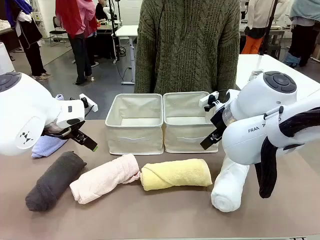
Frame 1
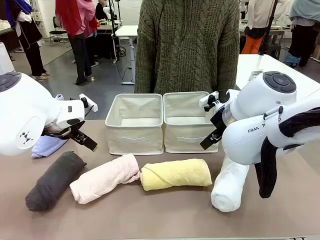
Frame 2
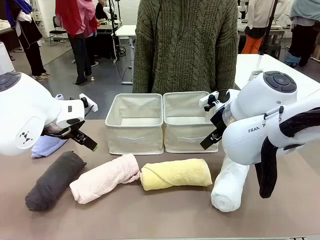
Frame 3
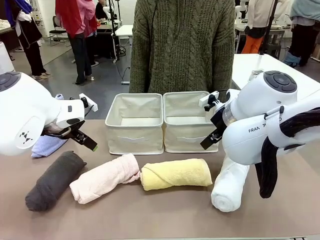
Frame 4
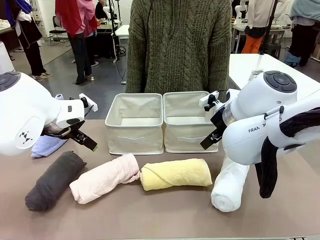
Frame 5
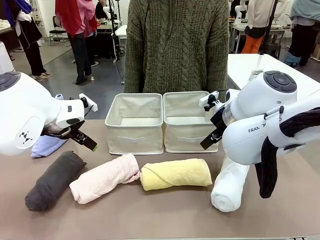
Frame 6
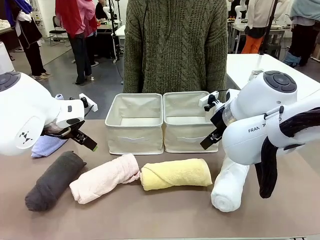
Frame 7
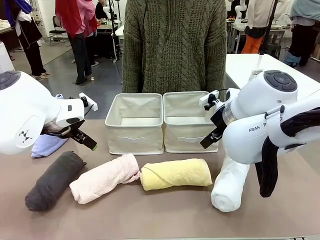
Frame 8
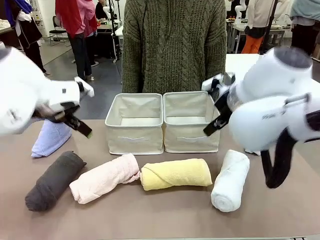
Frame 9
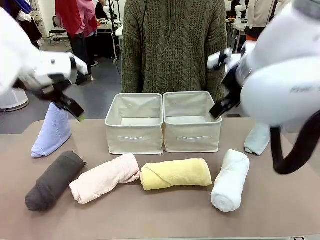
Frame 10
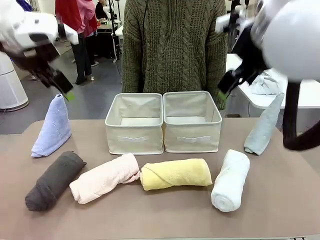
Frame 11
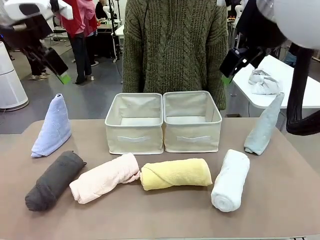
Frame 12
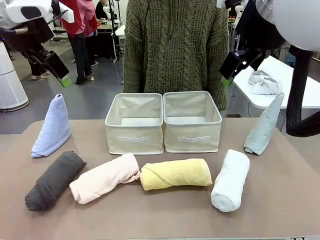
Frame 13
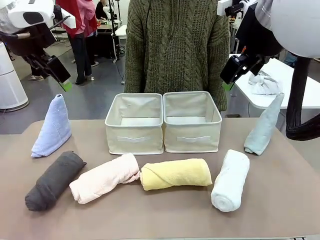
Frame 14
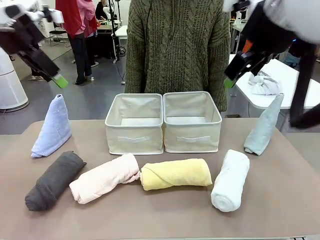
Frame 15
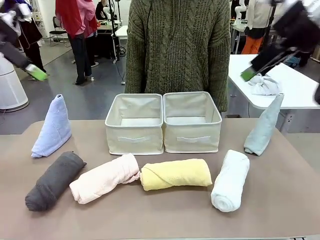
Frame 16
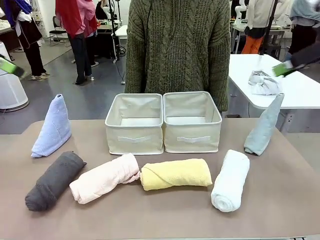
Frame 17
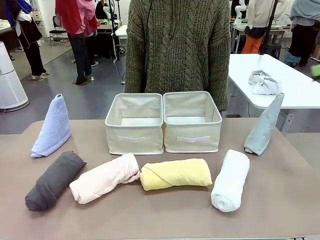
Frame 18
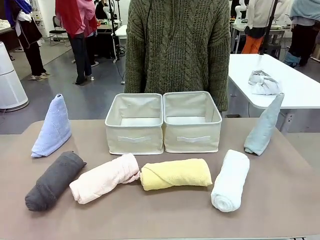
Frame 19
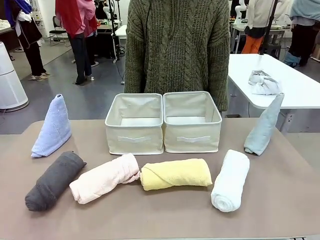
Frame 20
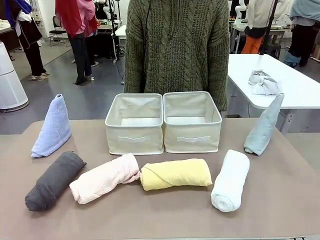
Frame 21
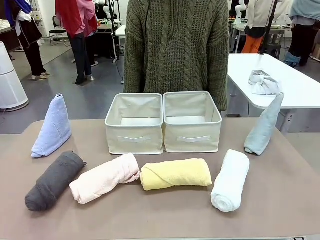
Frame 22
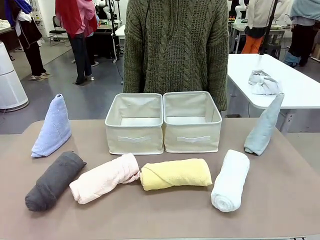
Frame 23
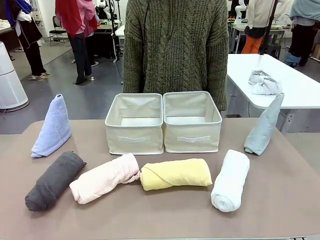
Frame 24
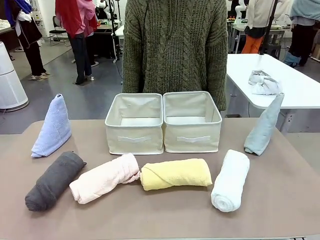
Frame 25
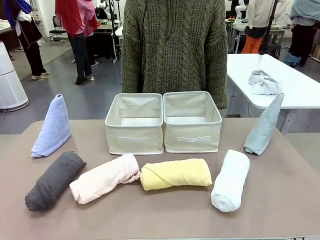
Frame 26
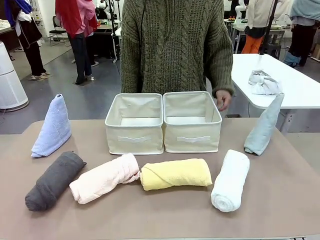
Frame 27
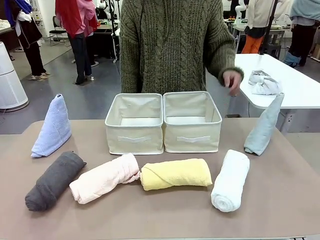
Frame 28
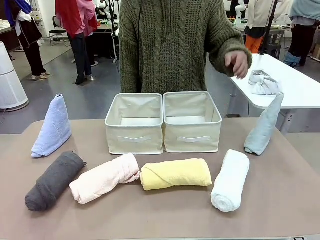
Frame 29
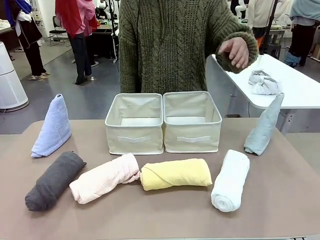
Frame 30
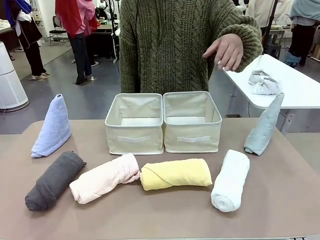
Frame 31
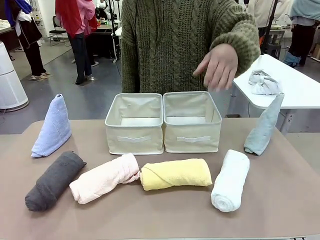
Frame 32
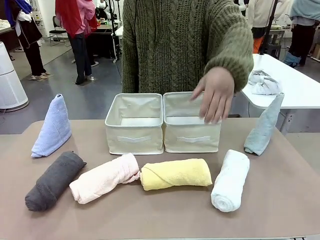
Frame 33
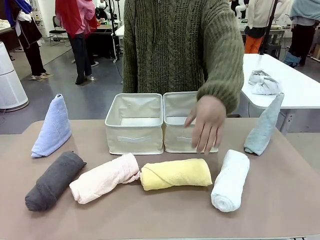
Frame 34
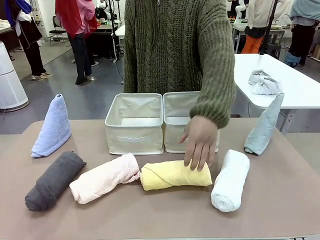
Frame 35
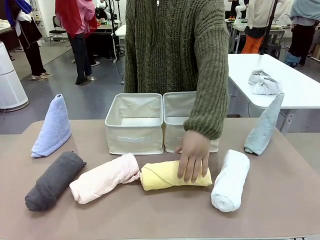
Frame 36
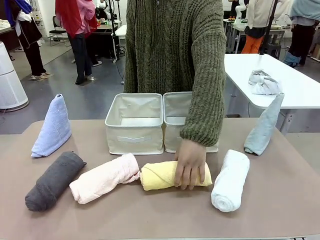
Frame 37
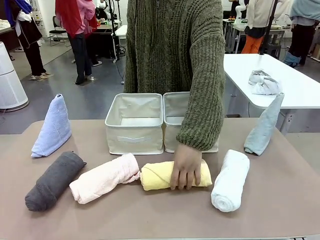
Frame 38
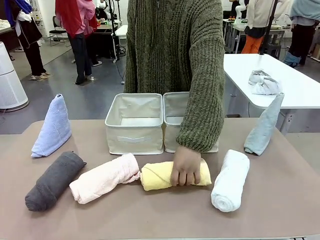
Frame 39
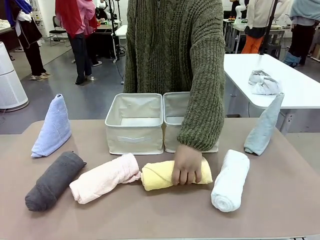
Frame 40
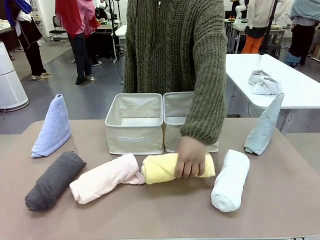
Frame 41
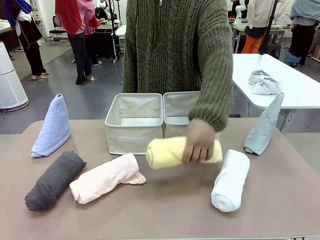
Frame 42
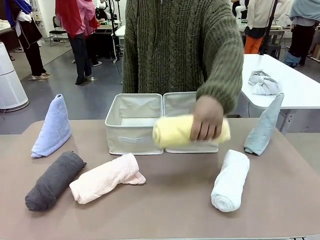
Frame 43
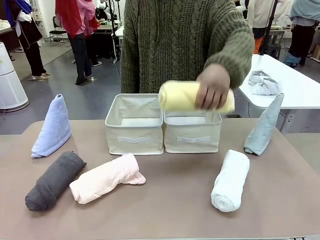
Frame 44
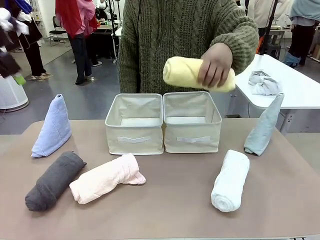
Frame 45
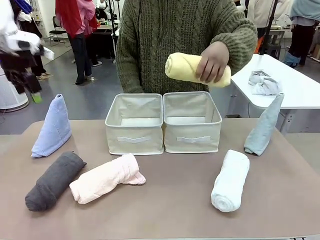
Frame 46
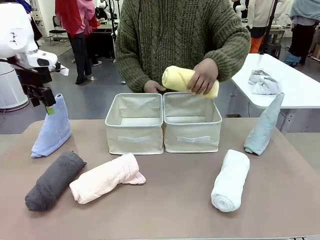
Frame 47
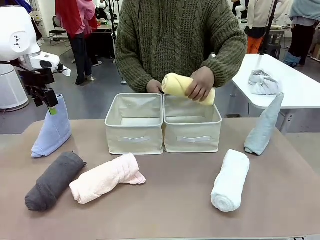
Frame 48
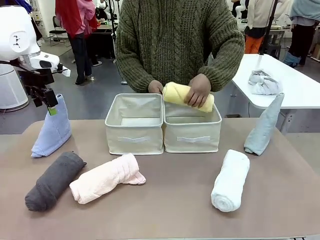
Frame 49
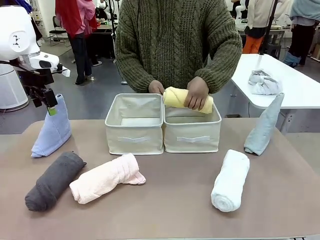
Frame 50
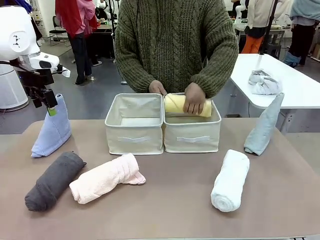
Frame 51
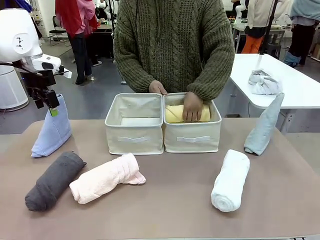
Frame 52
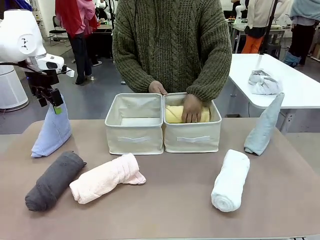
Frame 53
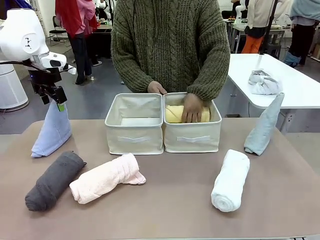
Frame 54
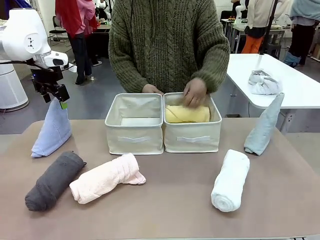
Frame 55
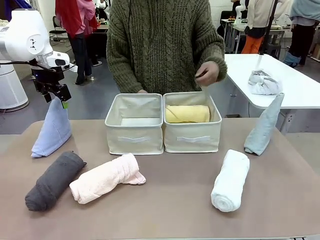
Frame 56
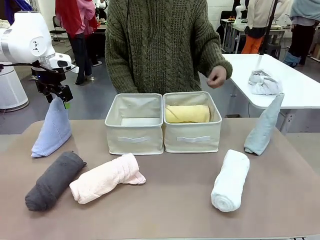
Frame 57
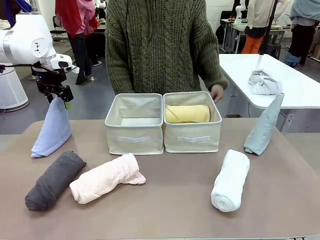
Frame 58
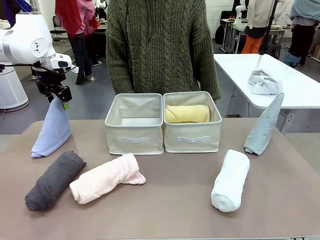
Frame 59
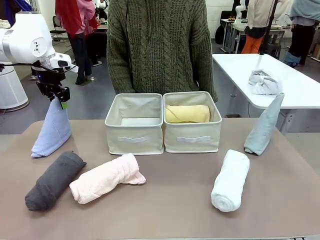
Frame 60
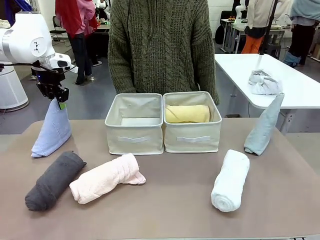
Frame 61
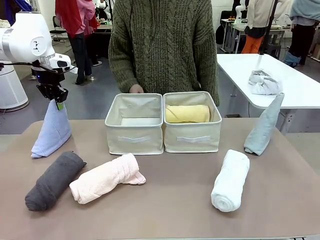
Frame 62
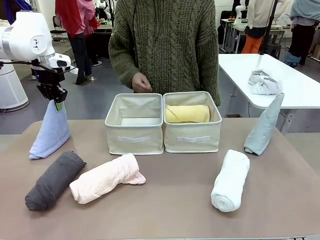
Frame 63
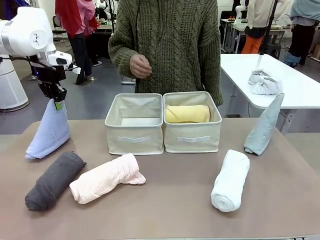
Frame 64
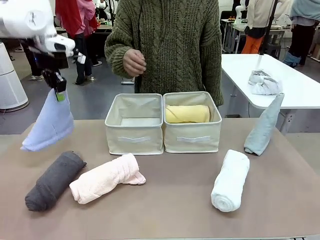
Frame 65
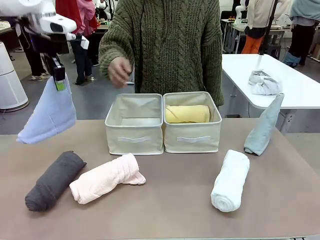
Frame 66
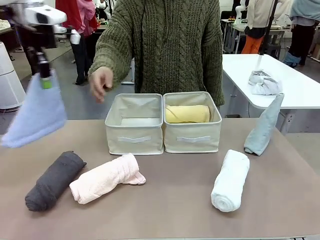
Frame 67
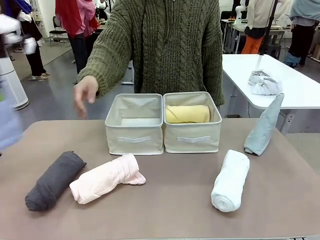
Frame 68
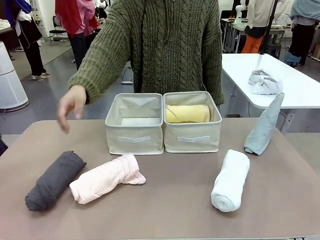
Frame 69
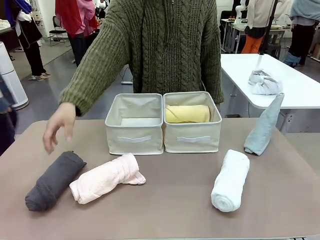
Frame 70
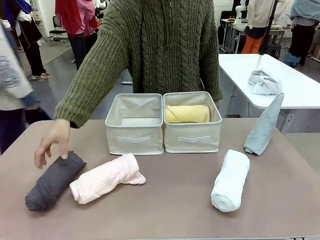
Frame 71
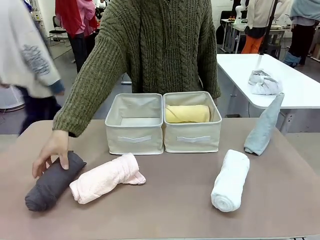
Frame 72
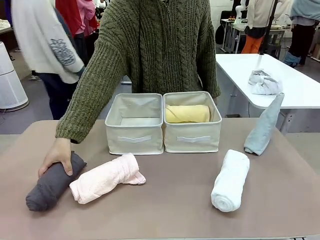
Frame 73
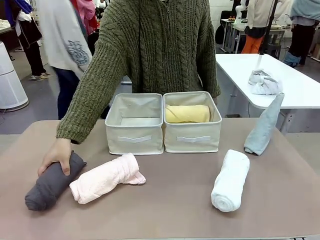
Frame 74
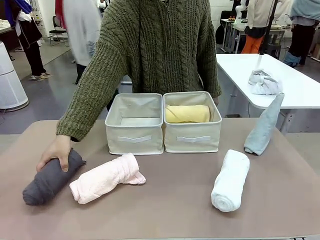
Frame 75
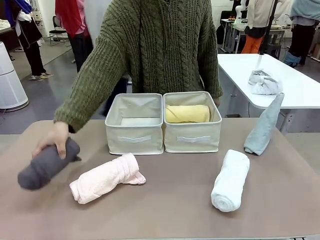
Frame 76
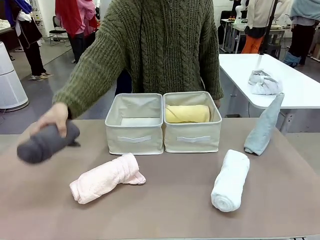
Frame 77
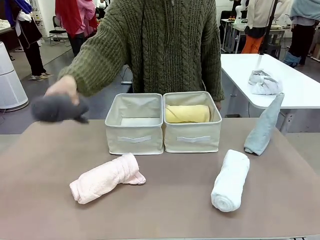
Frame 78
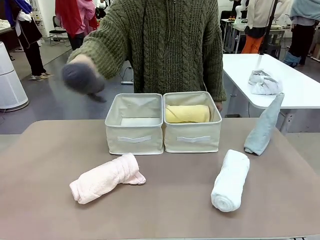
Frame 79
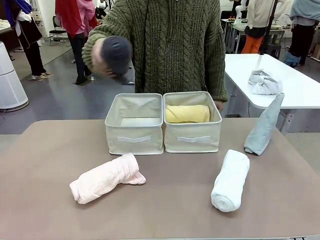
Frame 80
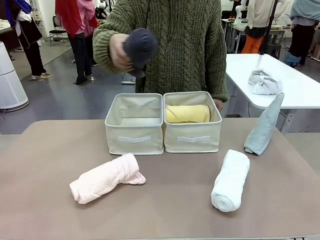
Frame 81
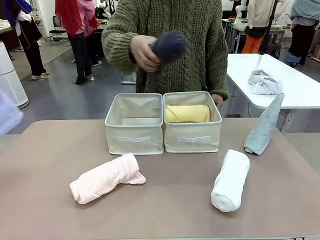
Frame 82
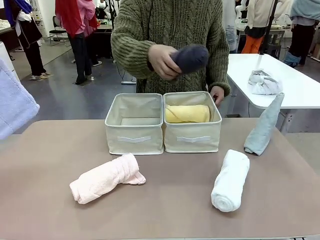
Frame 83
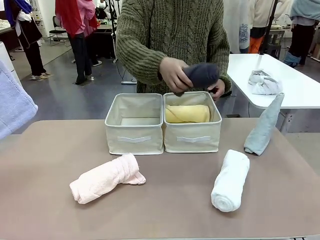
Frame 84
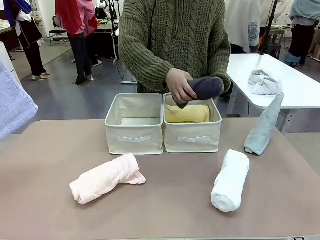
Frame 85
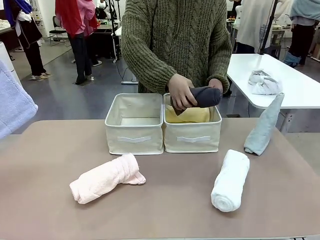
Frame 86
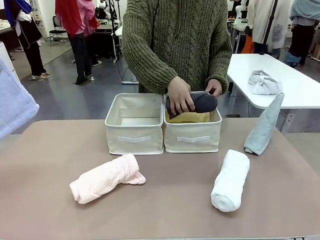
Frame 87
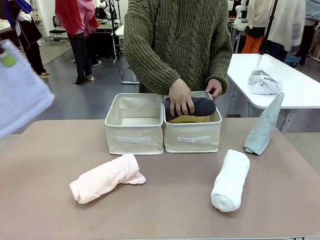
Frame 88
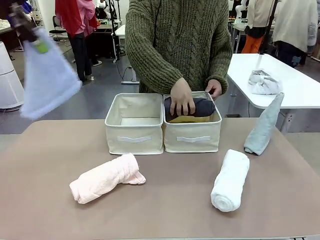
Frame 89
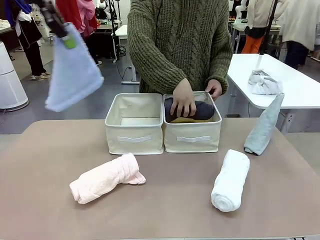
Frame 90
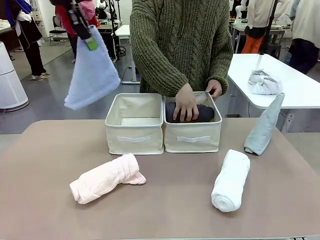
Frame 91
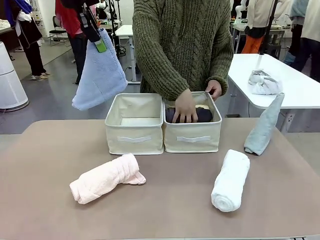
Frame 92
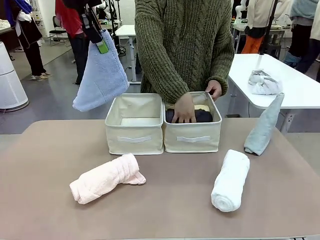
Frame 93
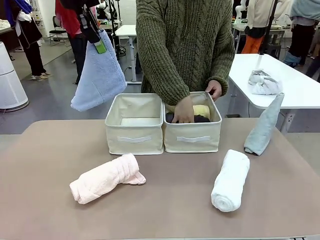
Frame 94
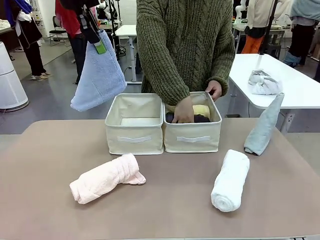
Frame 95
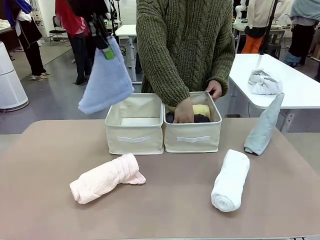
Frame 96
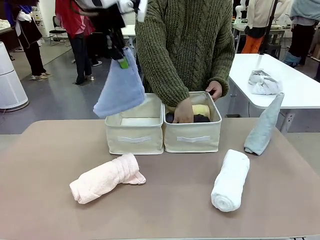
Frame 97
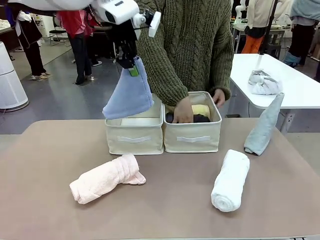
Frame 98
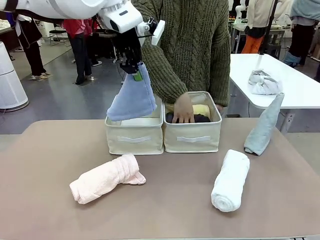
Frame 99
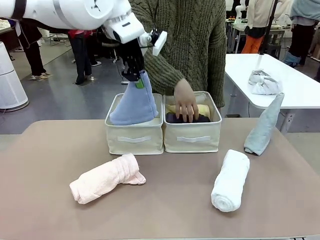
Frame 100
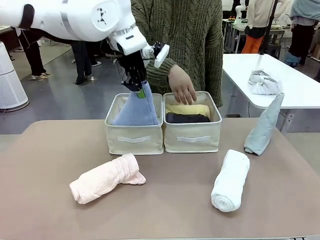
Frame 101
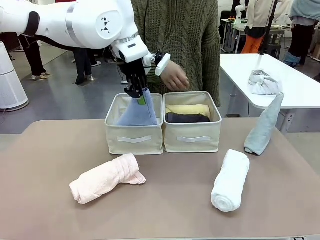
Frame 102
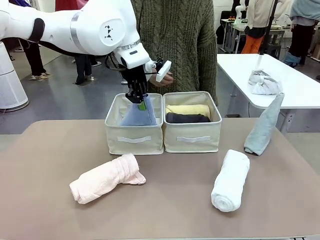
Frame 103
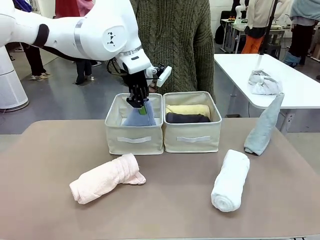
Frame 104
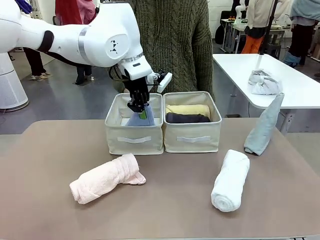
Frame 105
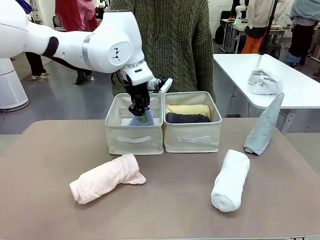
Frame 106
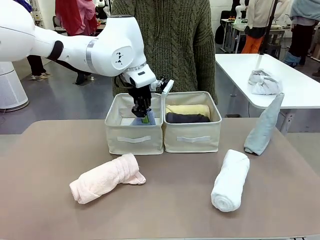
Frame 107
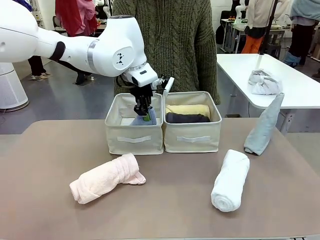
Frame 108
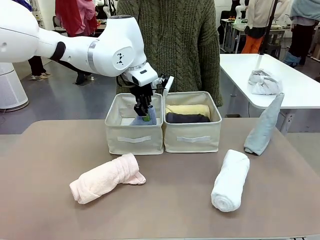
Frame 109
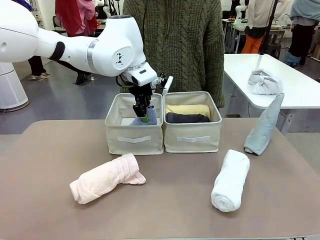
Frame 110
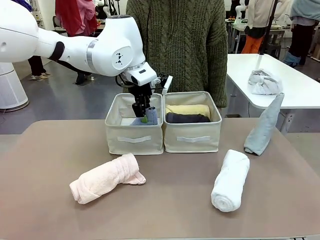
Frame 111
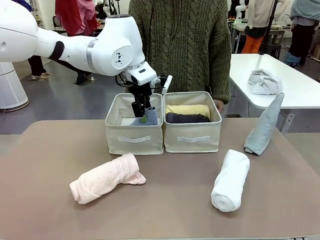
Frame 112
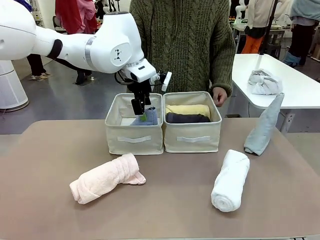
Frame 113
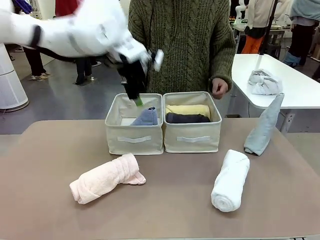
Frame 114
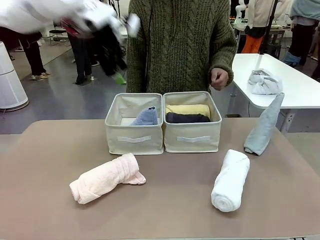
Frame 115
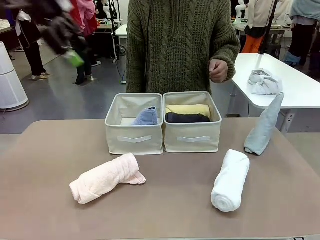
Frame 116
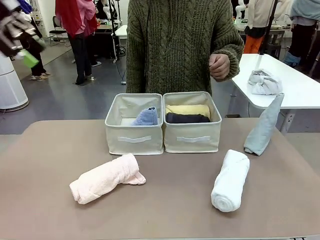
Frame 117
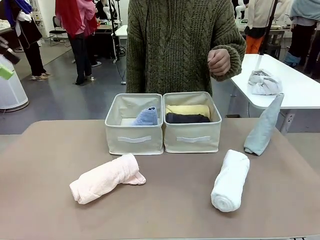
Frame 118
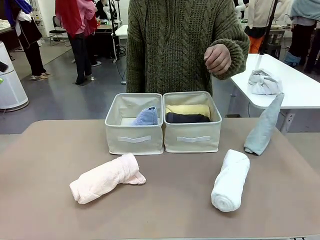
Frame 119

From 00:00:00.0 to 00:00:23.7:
Task: Sort the towels based on their folding style.
Robot: Pick up one triangle-folded towel and place it in the left Fabric basket.
Person: Pick up one hotel-style rolled towel and place it in the left fabric basket.
